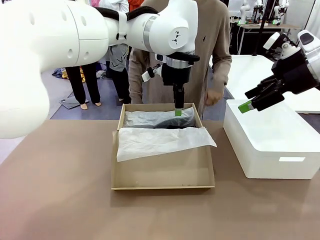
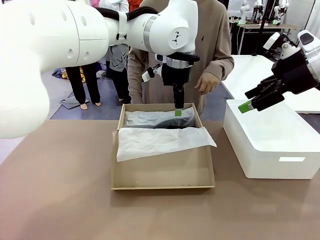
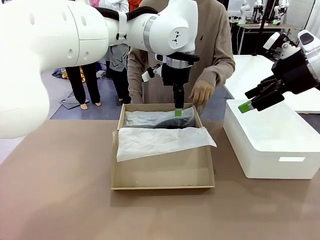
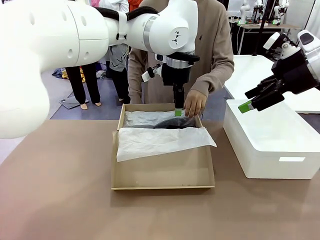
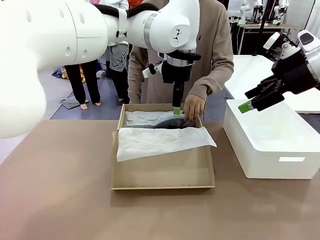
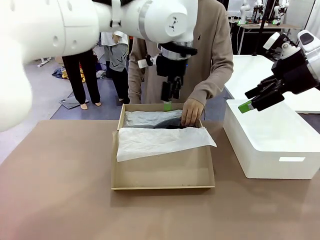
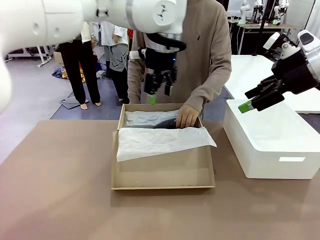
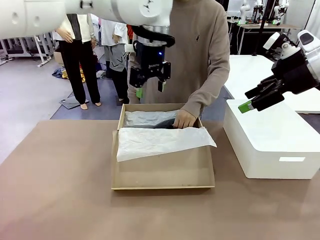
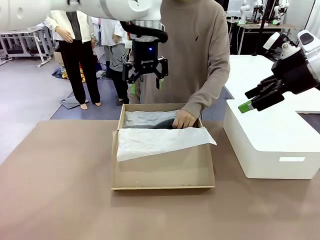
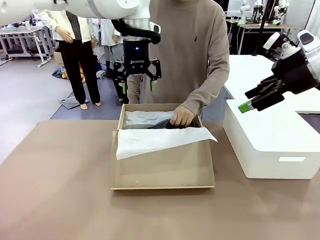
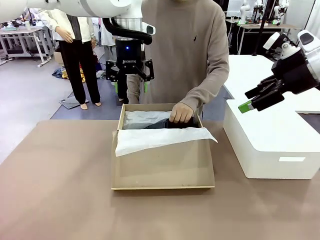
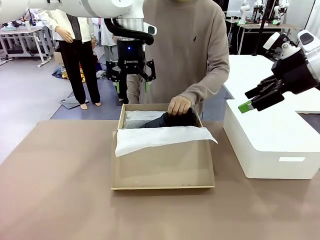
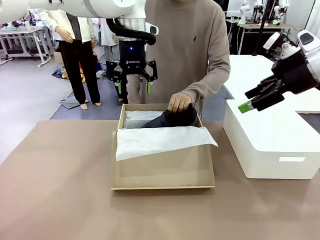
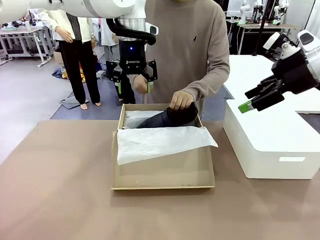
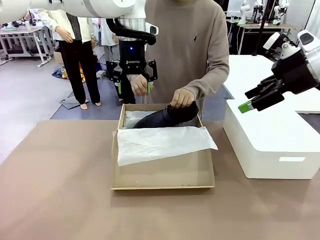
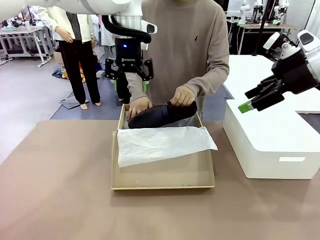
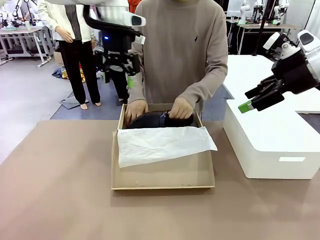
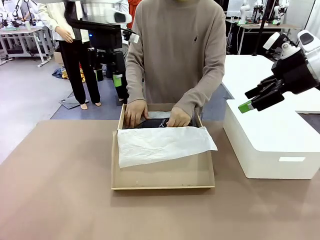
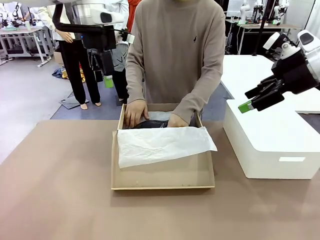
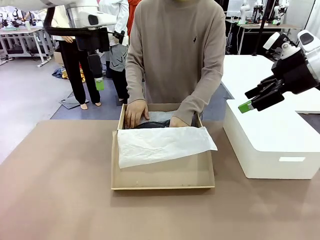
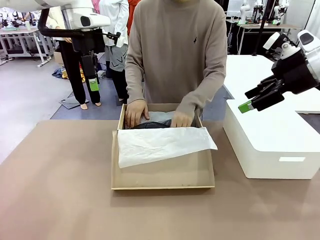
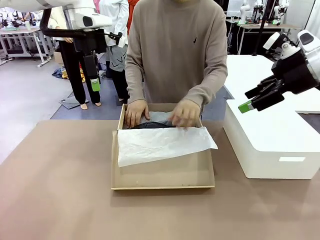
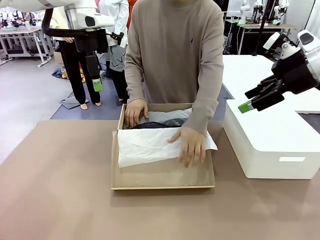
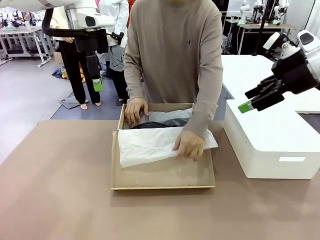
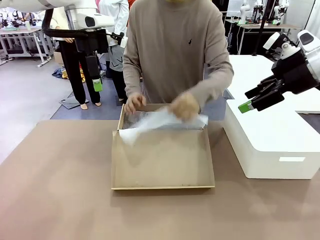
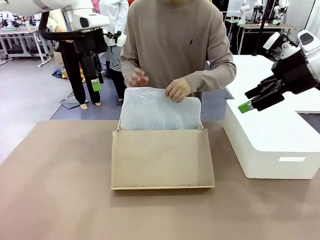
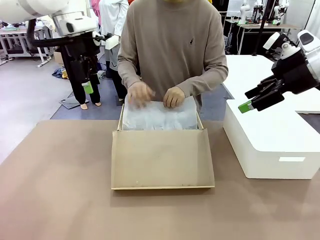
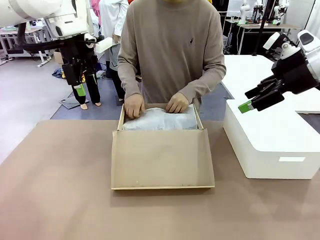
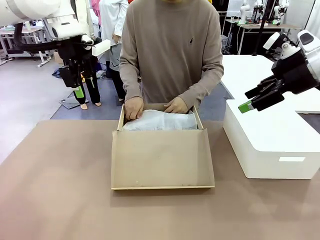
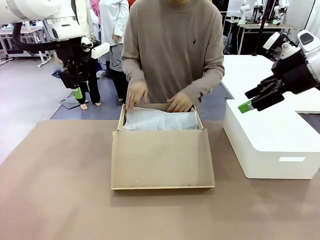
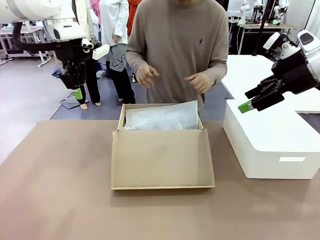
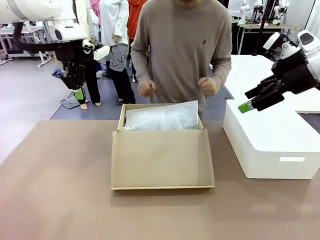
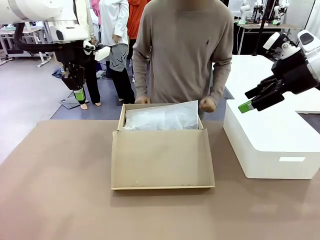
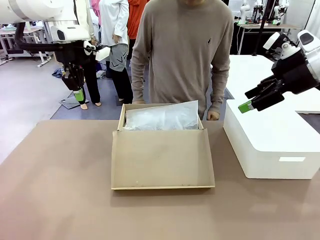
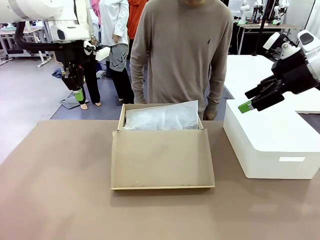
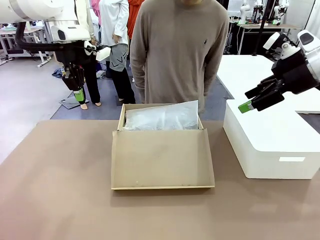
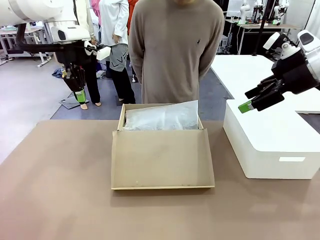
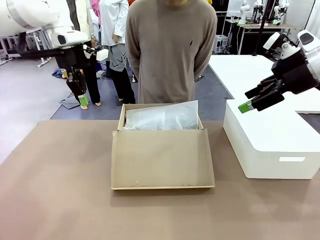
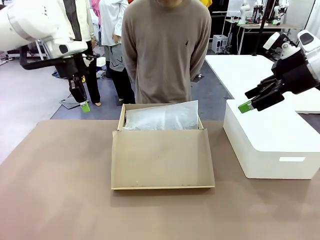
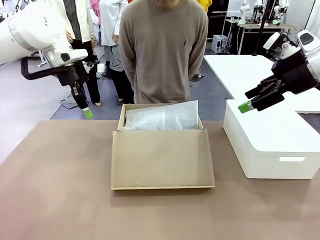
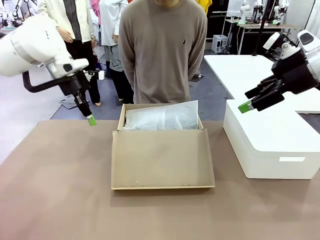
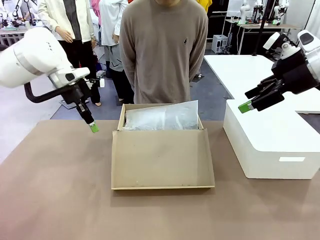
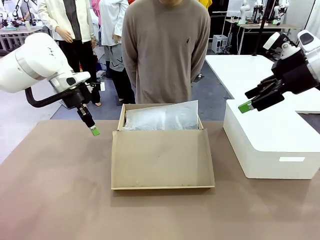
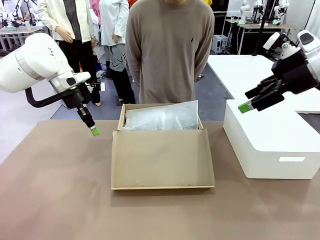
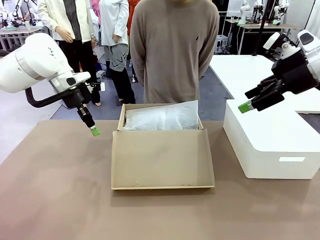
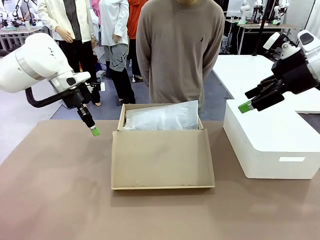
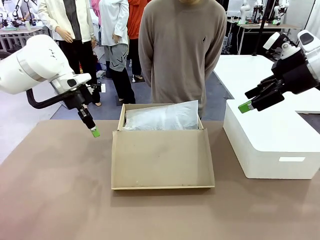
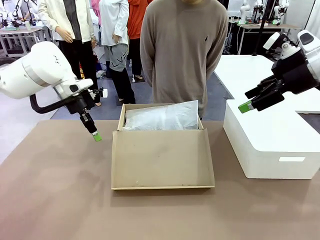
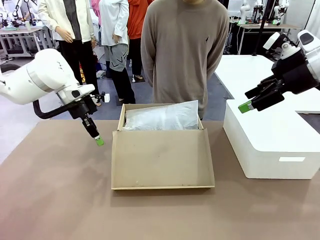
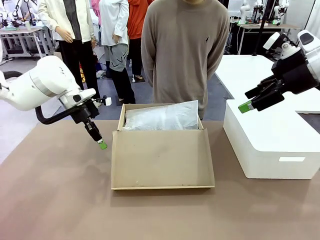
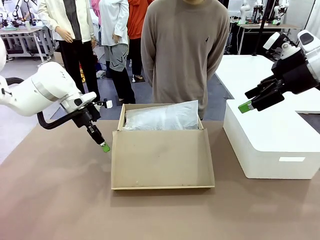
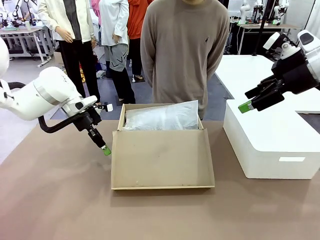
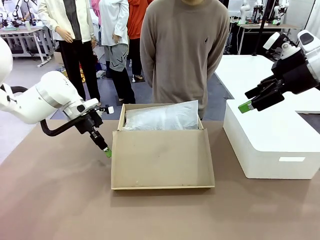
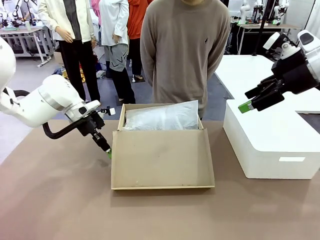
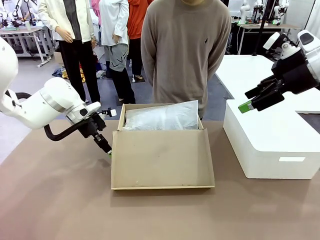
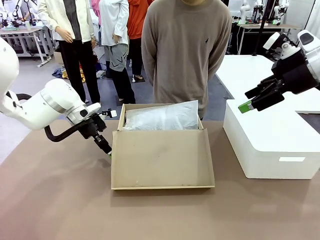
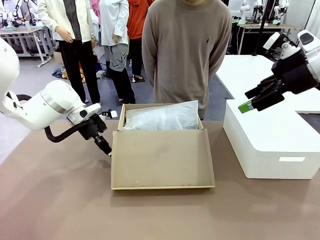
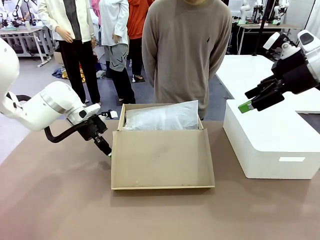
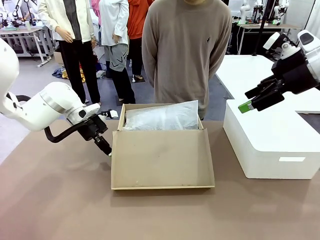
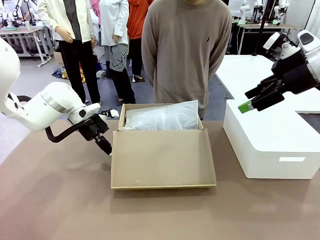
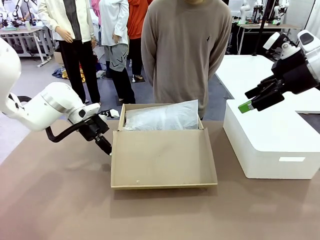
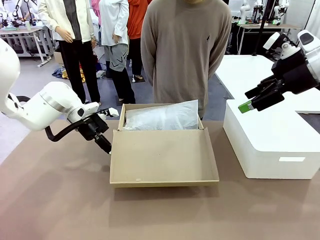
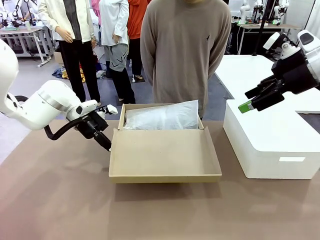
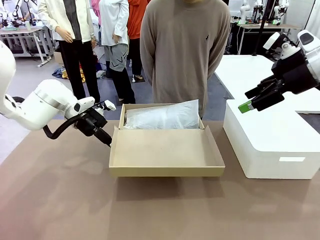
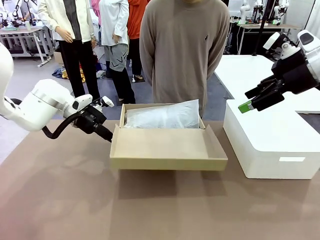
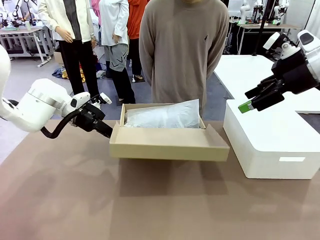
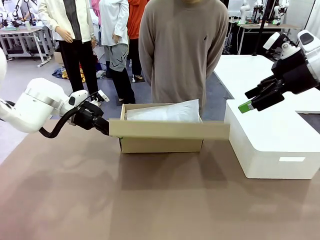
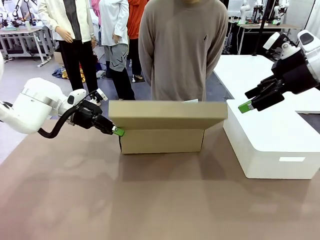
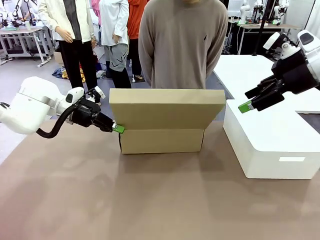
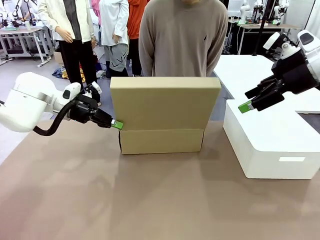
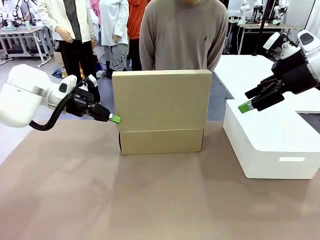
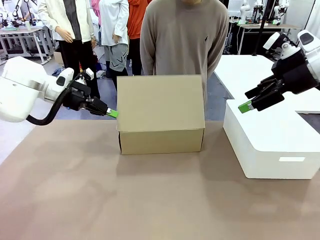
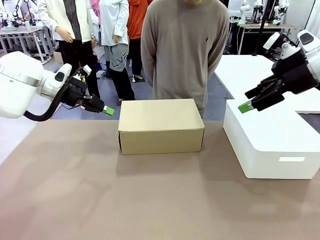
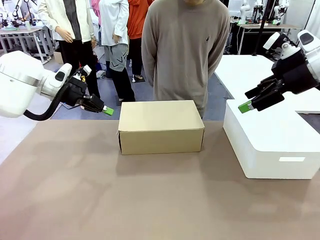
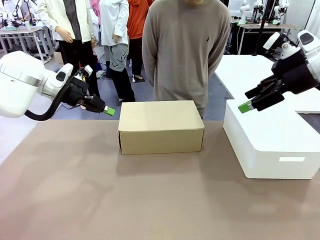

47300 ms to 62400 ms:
Task: Pack the shoes into the box.
Robot: Close the Shoes Box.
